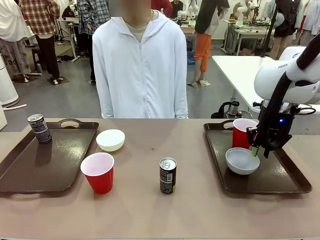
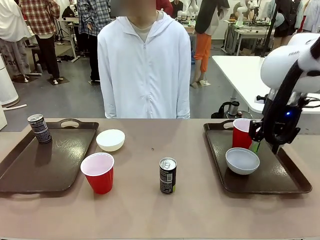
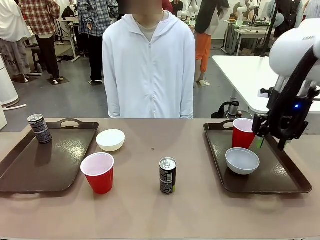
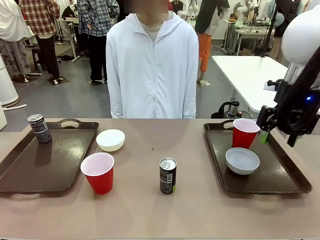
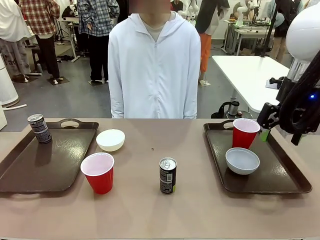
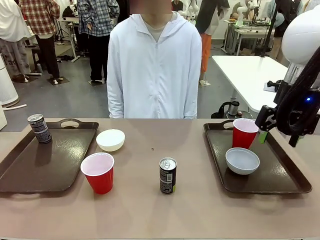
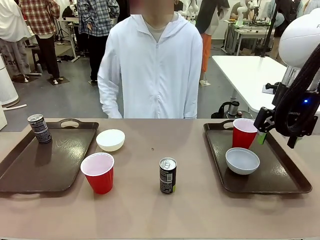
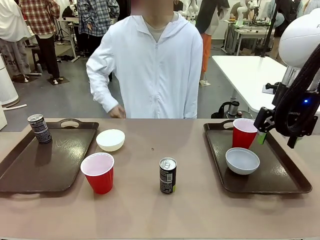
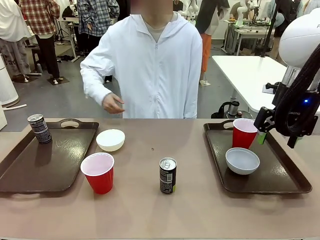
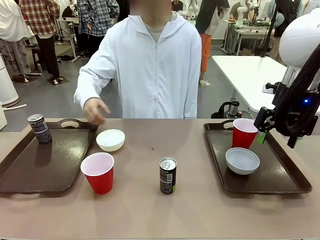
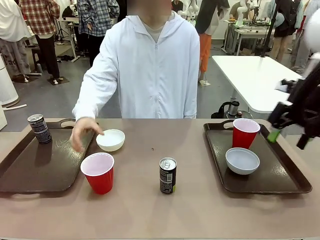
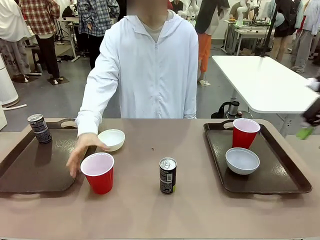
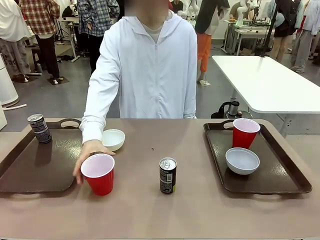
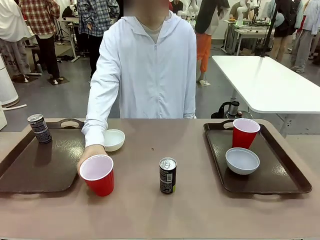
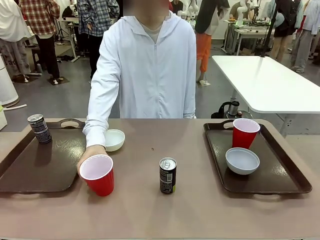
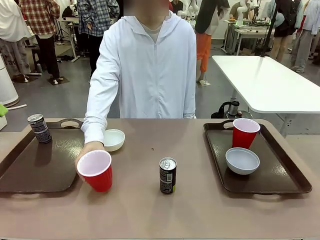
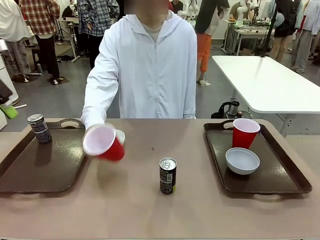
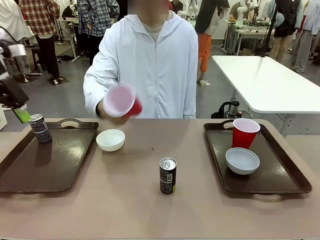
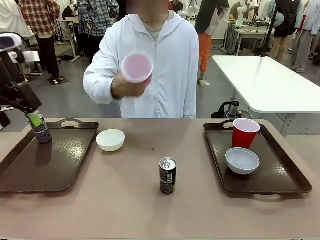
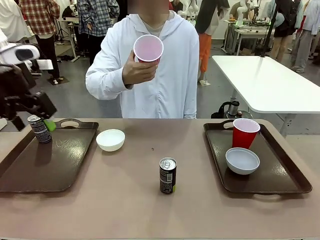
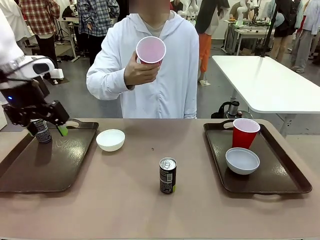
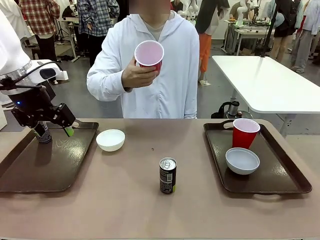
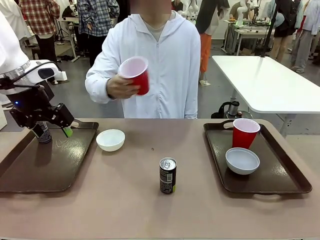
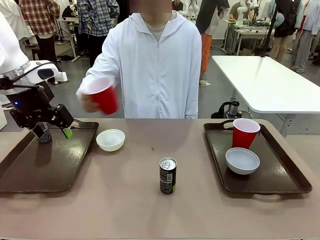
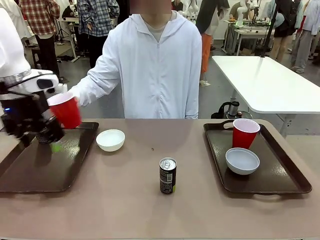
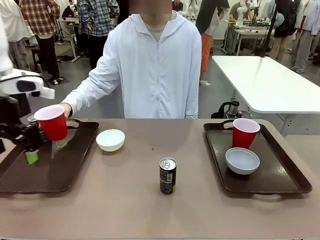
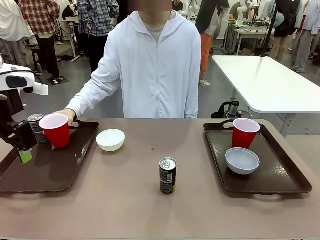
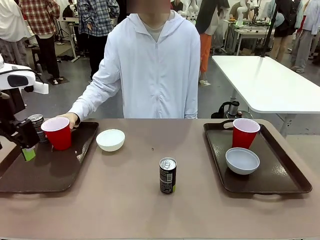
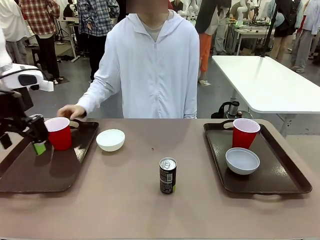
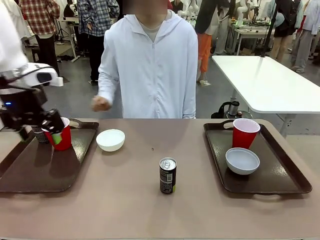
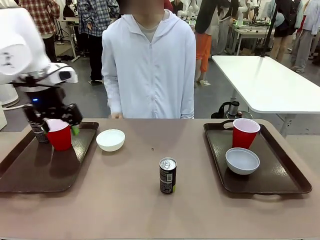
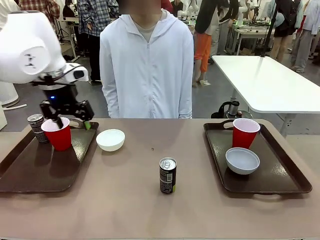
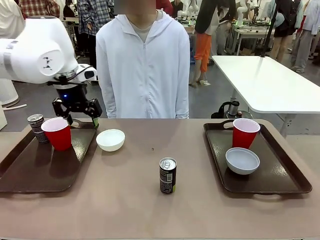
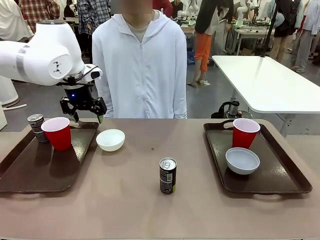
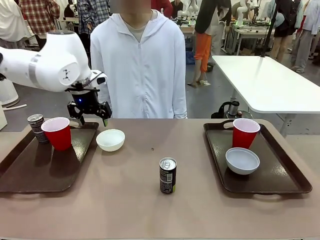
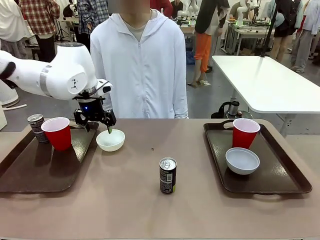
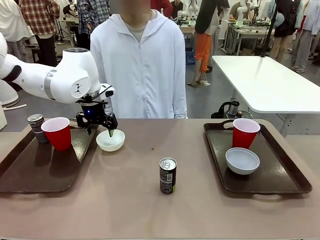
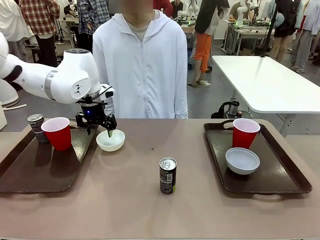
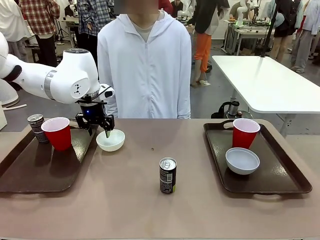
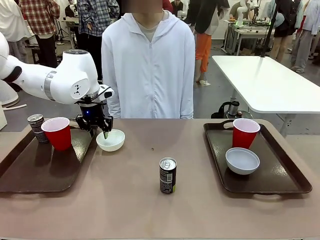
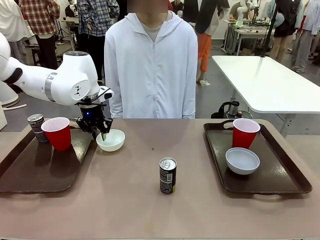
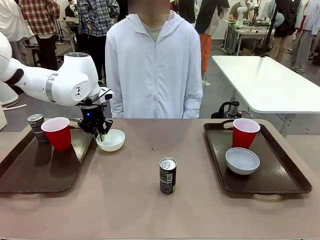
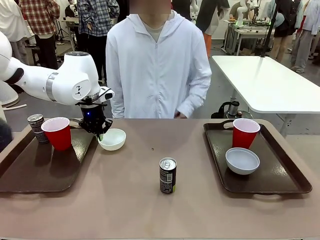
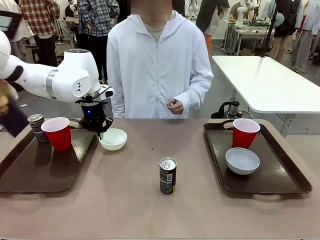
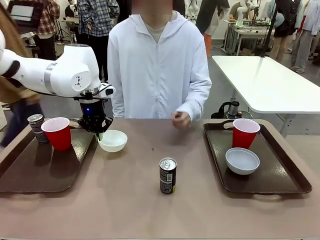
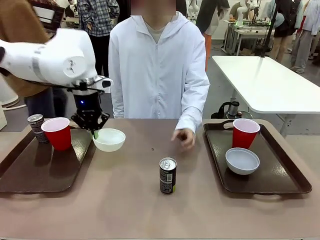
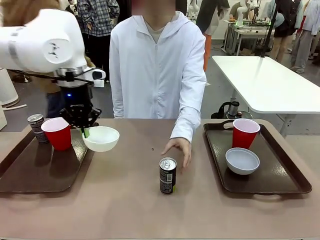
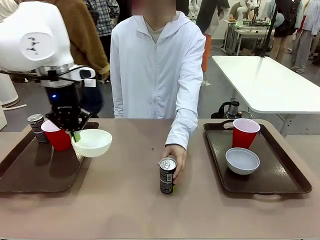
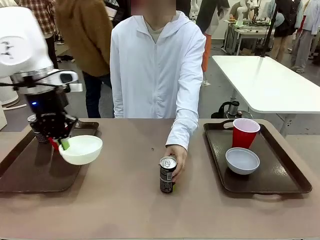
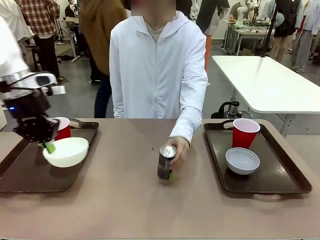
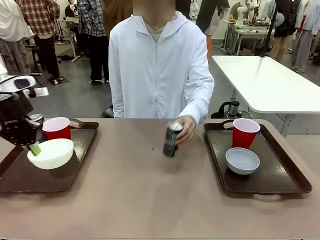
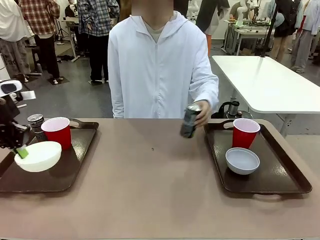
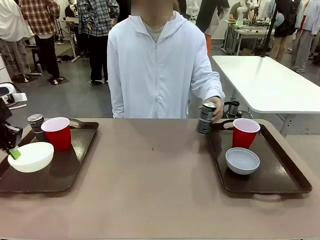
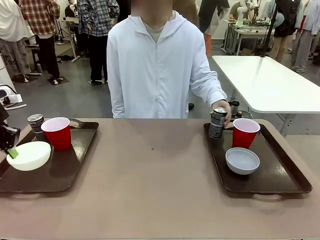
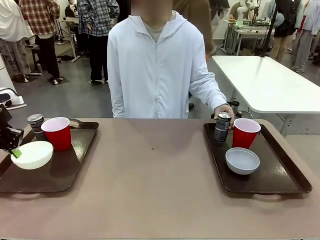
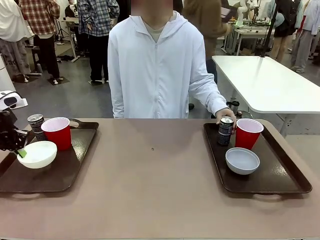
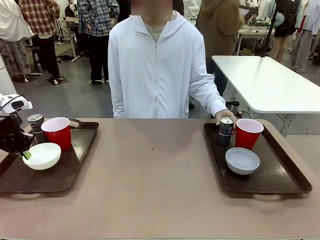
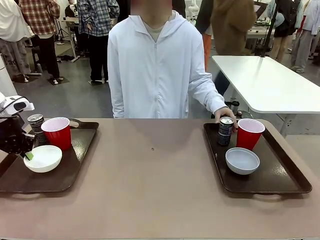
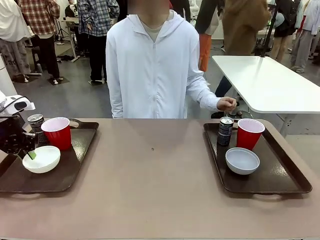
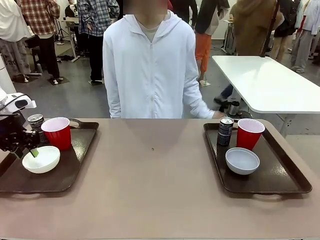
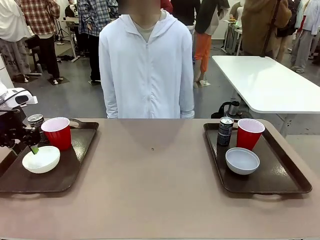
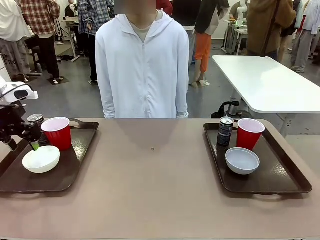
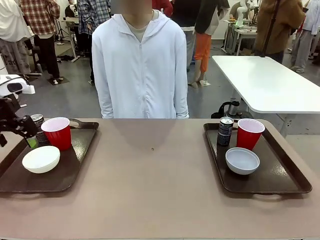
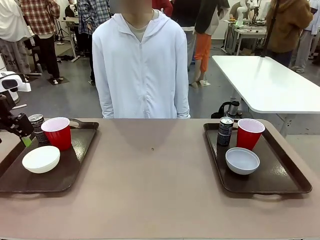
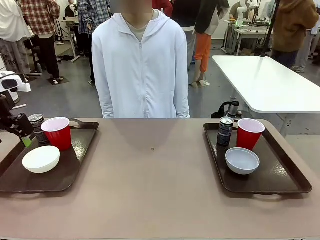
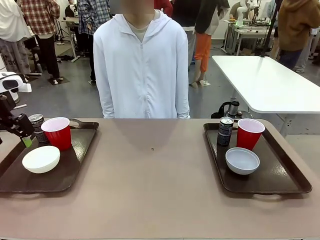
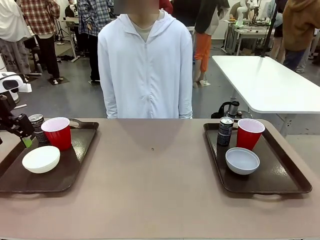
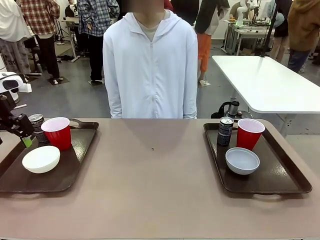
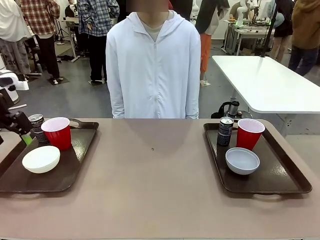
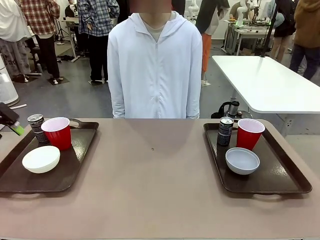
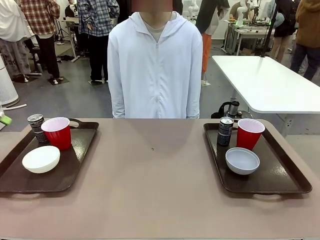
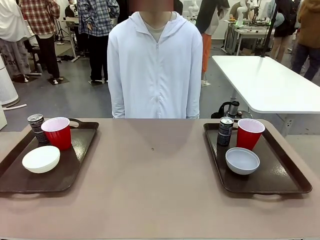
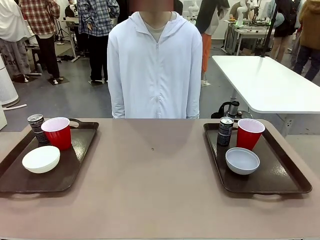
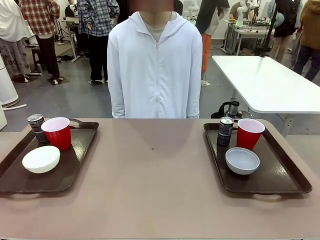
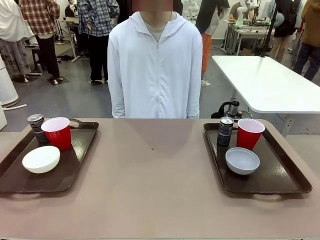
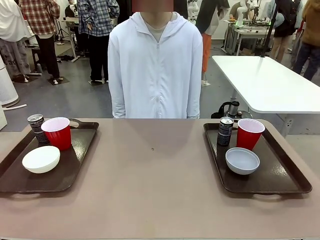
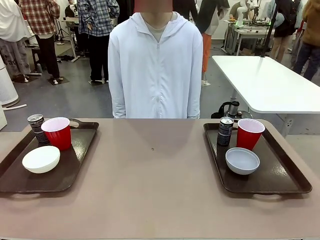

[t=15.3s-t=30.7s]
Task: Prepare tableware on both trays.
Robot: Pick up a Picnic Bowl from the table and place it on a Handle tray.
Person: Pick up a can or cup and place it on the tray without a can or cup.
